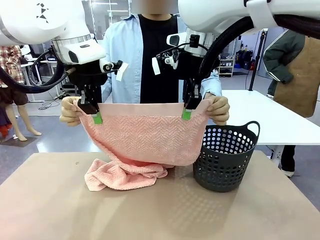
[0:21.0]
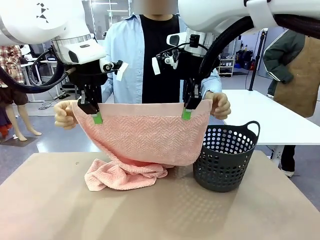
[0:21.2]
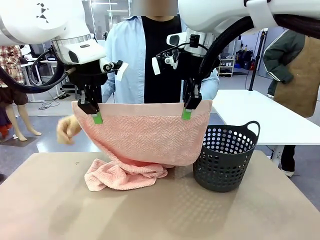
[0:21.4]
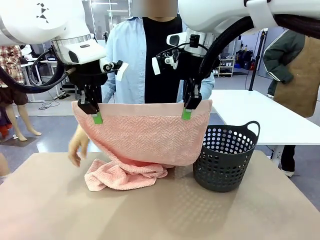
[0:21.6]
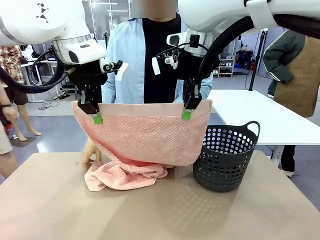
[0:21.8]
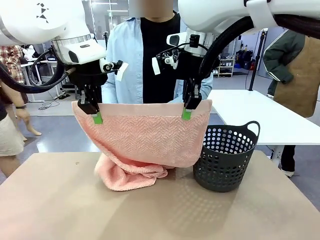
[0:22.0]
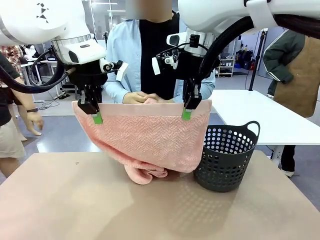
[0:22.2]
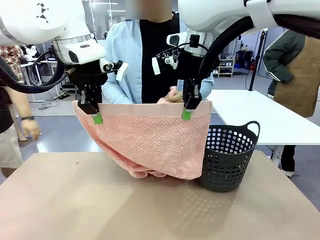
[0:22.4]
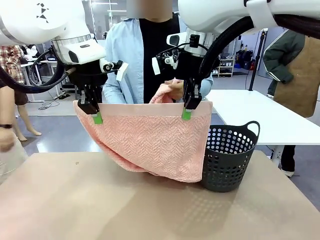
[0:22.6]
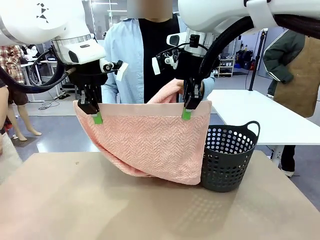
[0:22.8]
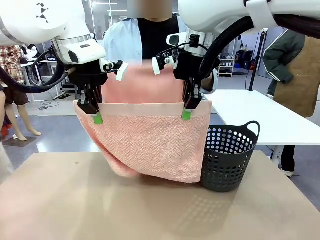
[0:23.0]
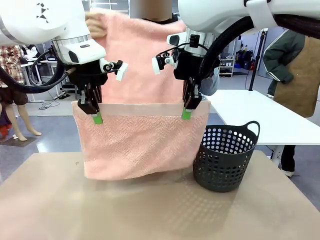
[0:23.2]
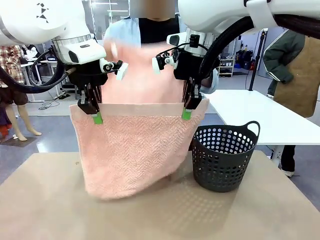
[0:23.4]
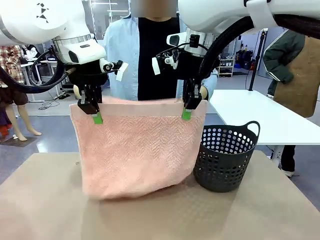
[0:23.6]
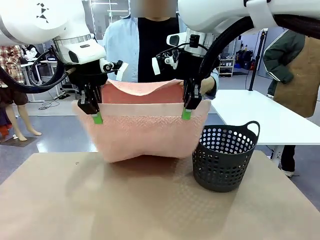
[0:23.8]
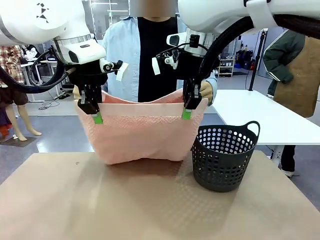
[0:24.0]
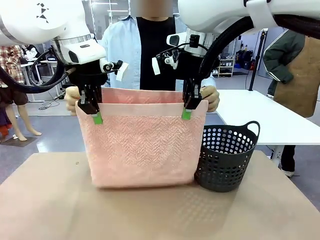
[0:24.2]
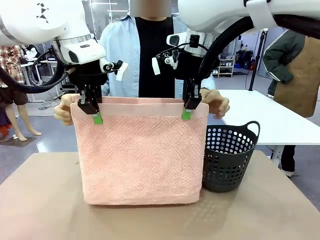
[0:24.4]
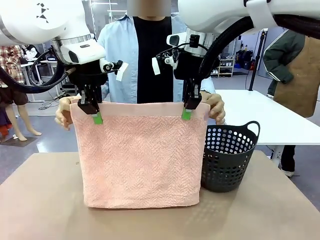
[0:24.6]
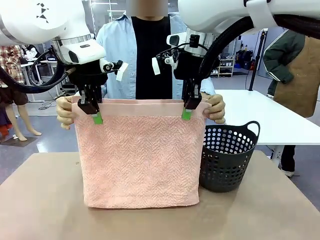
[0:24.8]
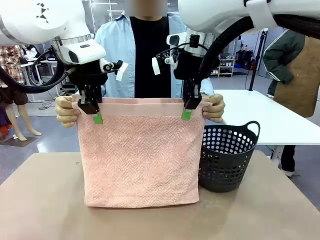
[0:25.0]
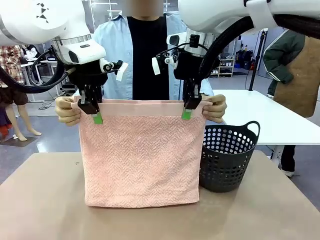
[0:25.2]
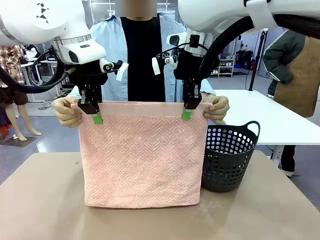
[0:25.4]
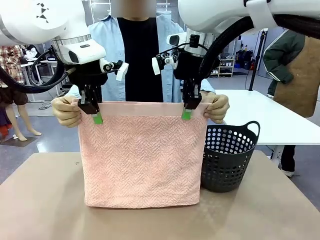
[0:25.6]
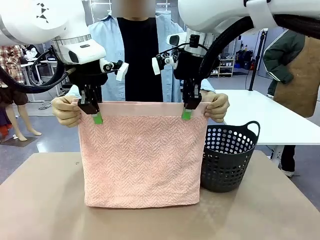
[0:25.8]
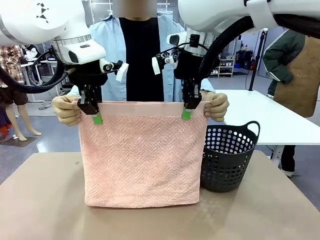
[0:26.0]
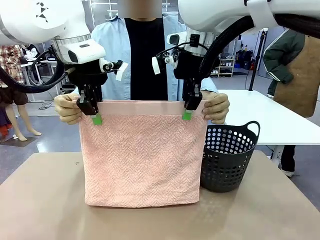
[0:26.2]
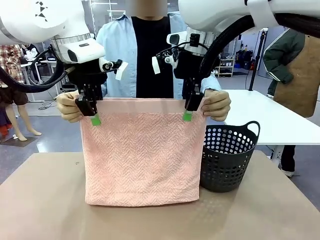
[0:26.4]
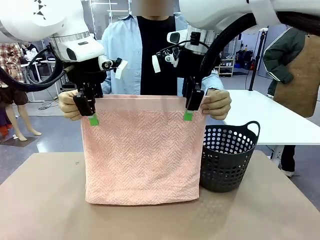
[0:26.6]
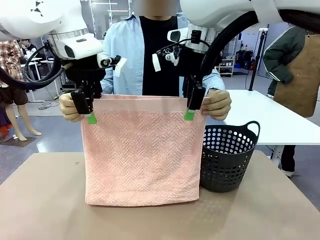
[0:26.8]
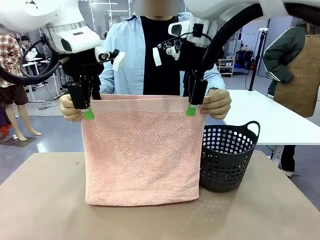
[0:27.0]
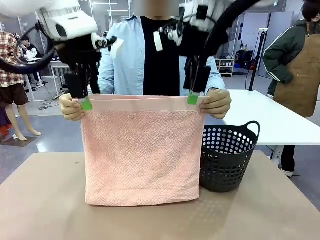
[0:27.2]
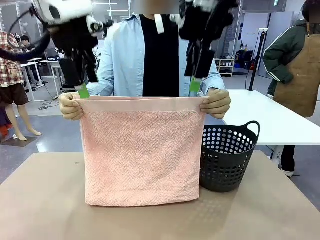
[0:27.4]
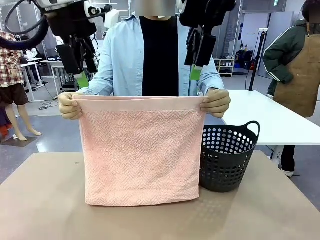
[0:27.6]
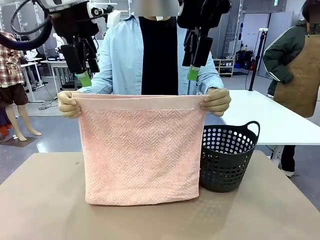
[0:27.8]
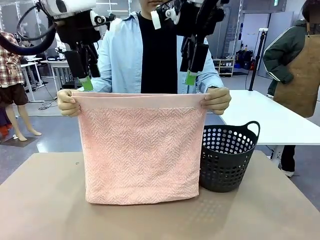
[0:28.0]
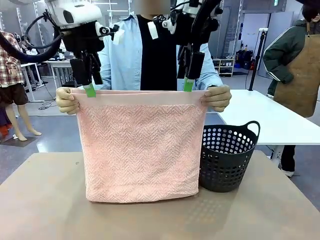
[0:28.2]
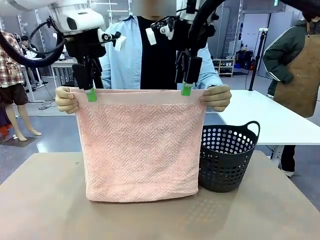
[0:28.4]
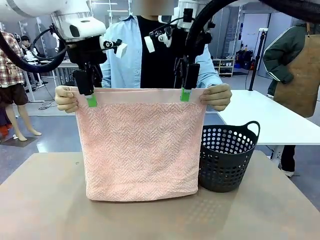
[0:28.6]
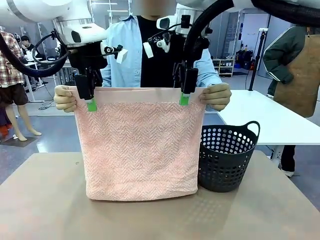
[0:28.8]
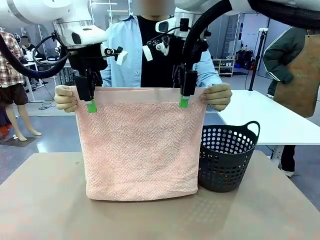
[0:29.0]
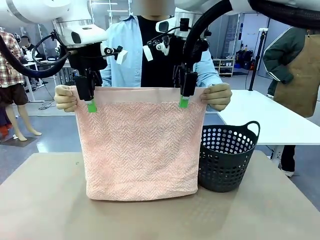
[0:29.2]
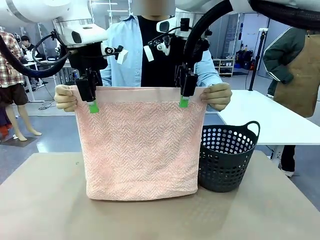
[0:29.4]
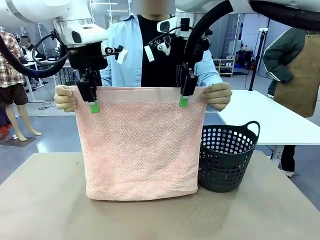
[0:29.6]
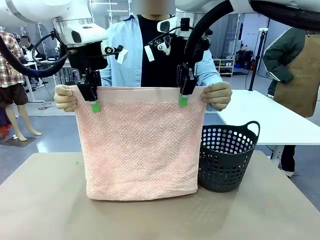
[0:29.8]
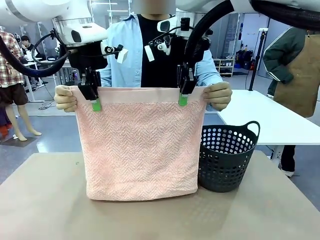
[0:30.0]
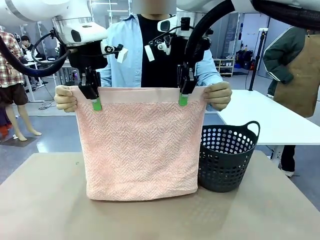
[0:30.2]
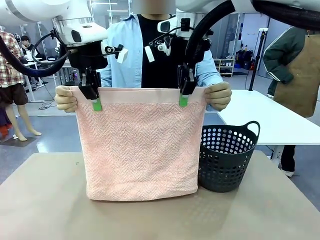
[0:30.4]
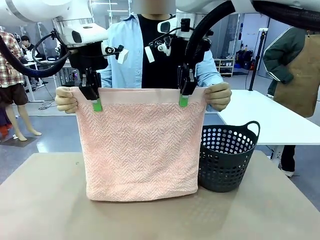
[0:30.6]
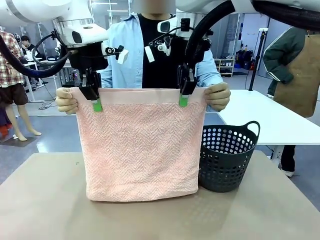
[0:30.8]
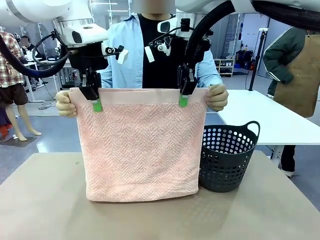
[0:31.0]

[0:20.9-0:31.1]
Task: Fold the towel.
Robot: Release the end of the 100 cm Hotel Towel you were holding and grab the top end of the folded side.

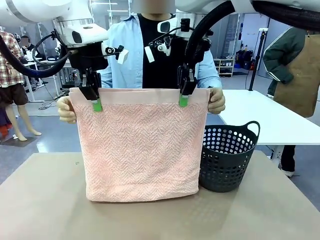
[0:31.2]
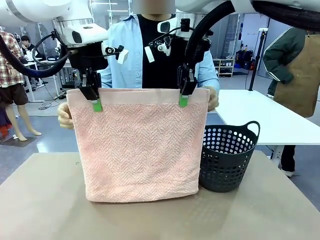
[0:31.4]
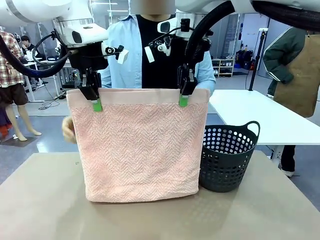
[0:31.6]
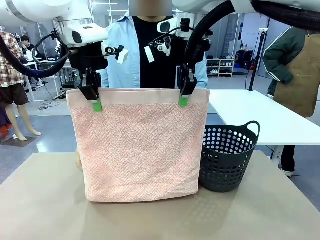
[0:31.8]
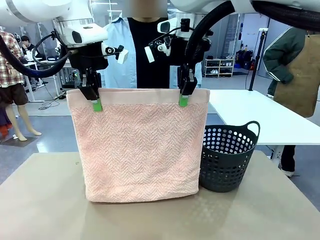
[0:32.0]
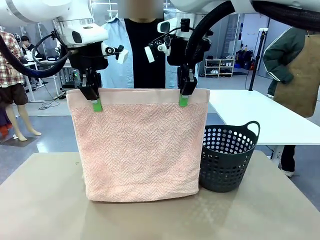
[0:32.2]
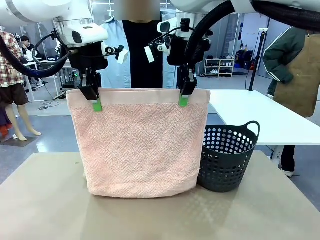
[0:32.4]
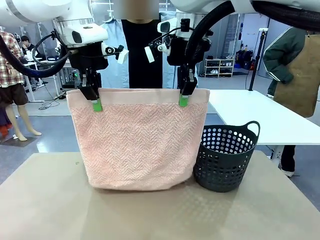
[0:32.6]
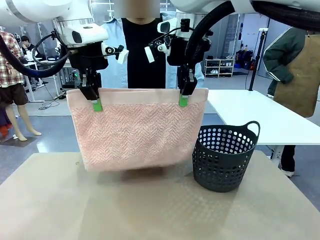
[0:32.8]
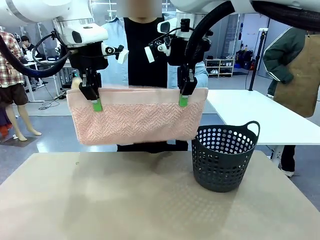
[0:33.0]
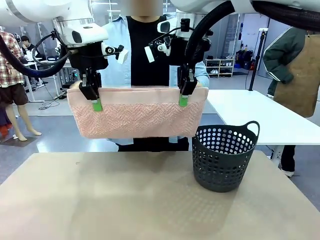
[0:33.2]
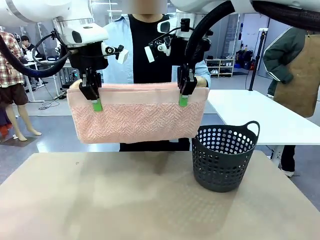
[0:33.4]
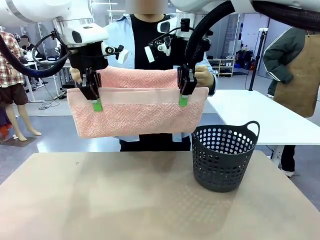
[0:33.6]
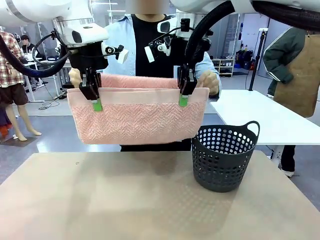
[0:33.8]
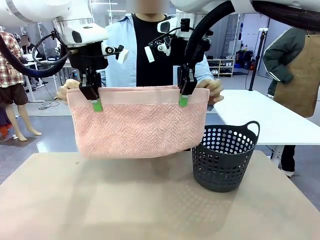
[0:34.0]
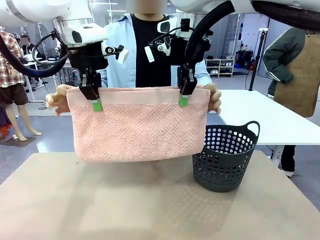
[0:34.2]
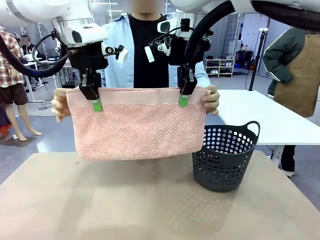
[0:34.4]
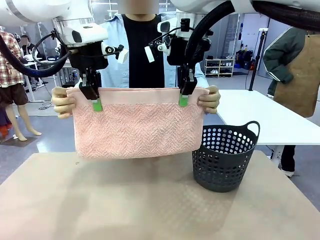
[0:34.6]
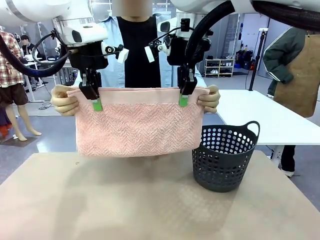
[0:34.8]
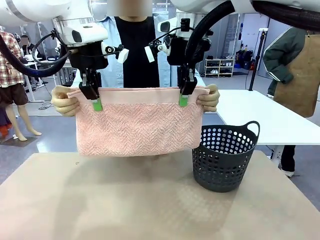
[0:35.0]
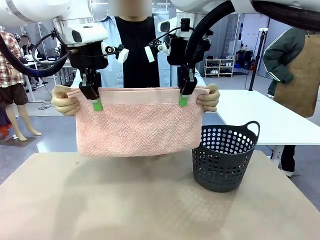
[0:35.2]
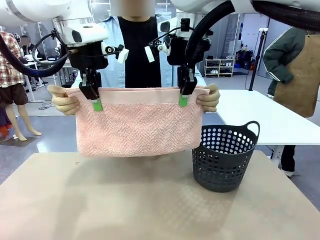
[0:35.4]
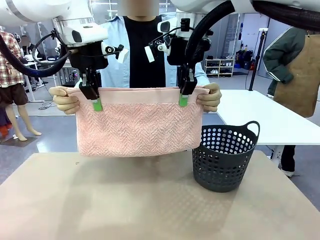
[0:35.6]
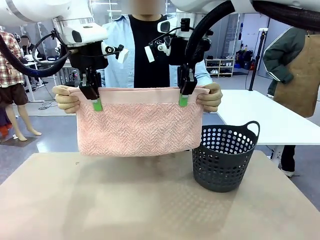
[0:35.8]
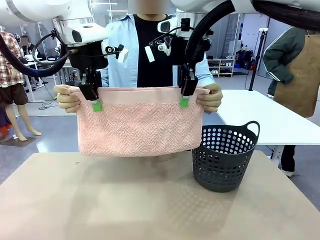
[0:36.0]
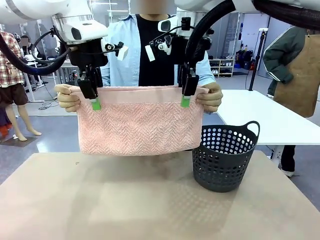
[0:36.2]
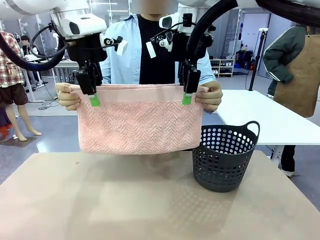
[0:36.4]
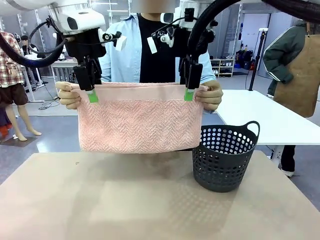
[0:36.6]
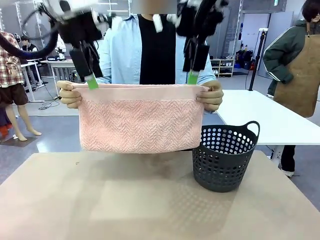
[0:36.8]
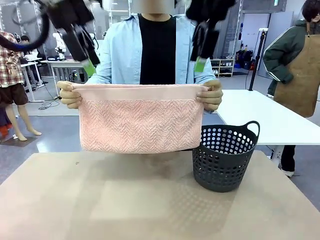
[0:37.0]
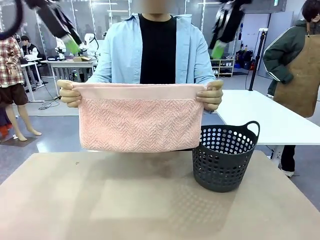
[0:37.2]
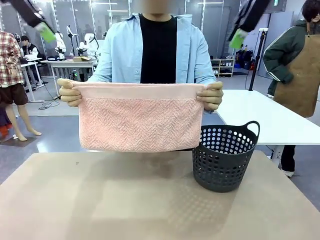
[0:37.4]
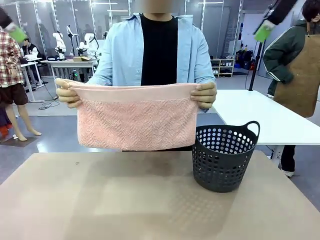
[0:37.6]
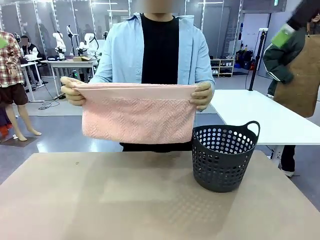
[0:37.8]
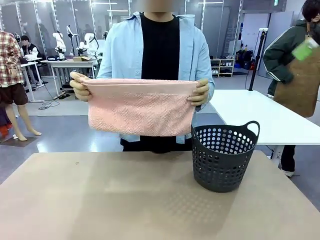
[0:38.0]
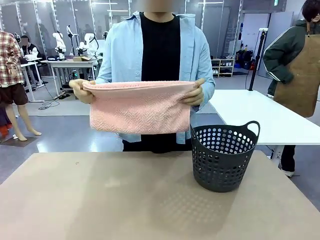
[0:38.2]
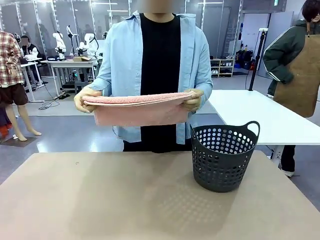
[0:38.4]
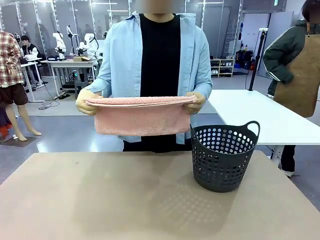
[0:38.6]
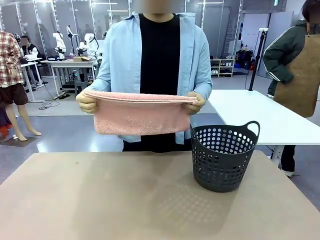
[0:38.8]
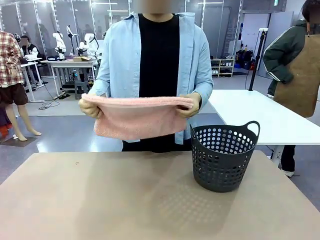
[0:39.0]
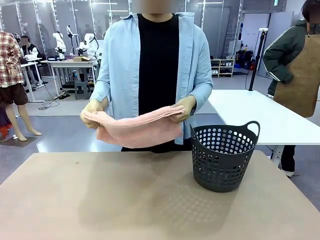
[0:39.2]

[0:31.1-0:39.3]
Robot: Release the end of the 100 cm Hotel Towel you were holding.
Person: Place the towel at the center of the robot table and fold it in half.
